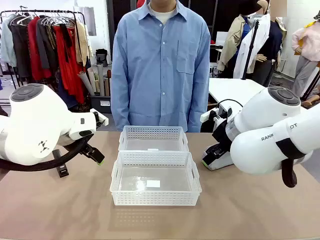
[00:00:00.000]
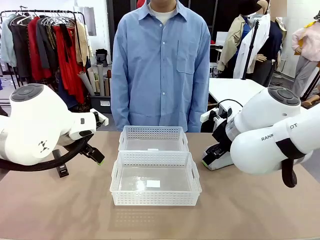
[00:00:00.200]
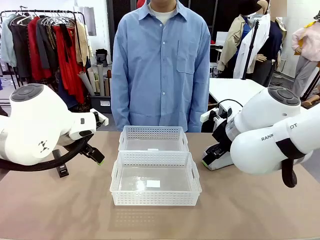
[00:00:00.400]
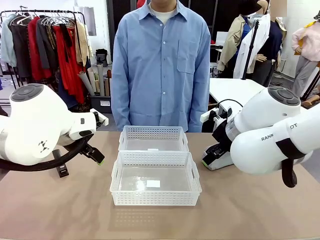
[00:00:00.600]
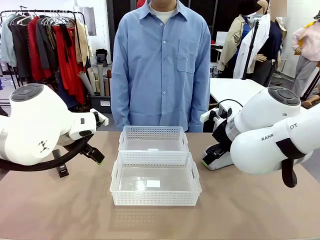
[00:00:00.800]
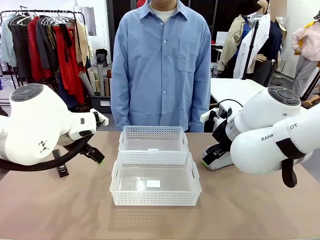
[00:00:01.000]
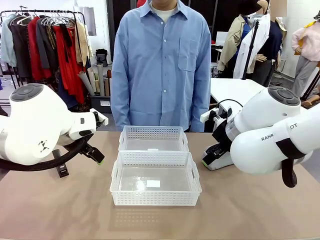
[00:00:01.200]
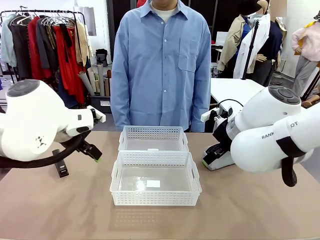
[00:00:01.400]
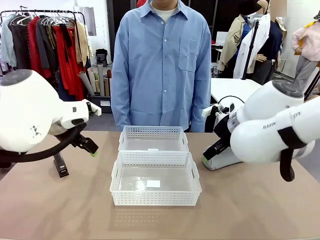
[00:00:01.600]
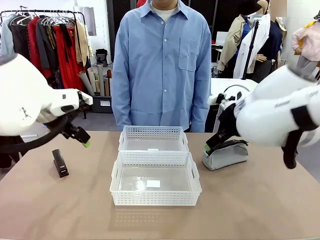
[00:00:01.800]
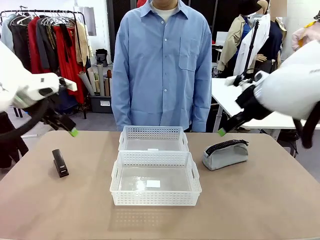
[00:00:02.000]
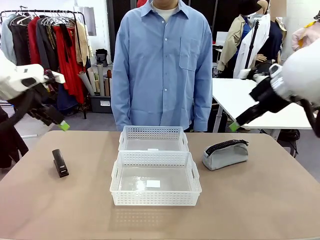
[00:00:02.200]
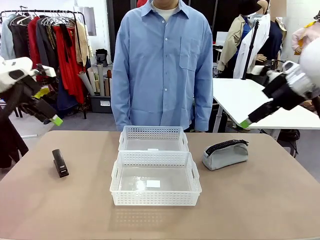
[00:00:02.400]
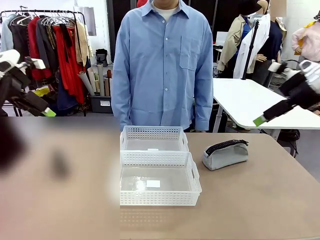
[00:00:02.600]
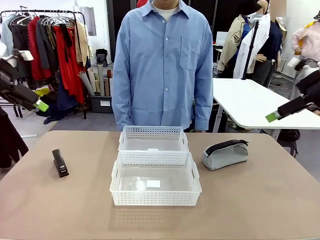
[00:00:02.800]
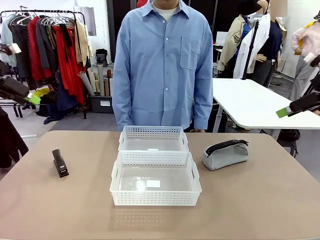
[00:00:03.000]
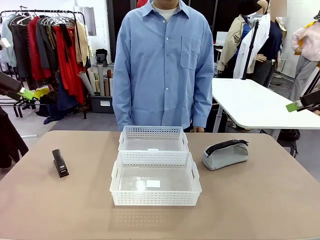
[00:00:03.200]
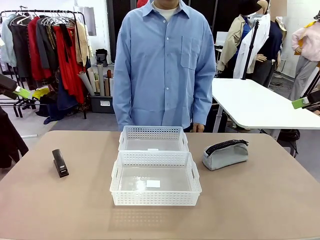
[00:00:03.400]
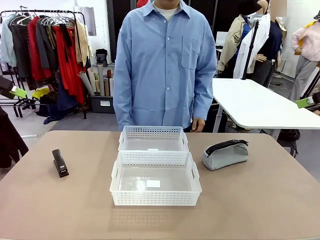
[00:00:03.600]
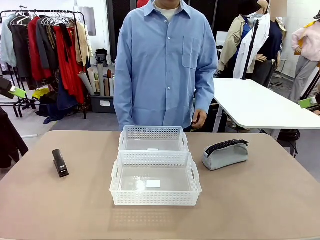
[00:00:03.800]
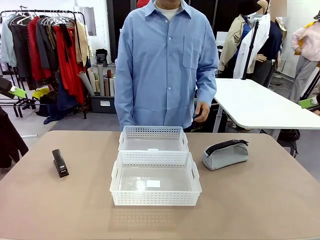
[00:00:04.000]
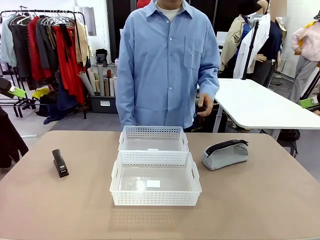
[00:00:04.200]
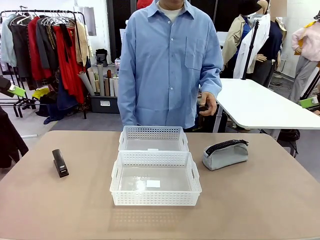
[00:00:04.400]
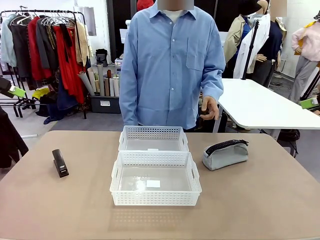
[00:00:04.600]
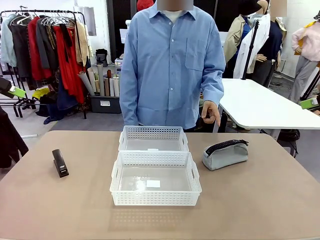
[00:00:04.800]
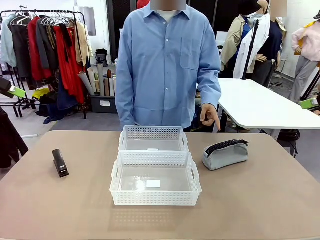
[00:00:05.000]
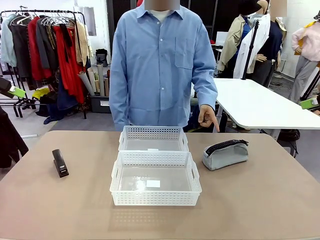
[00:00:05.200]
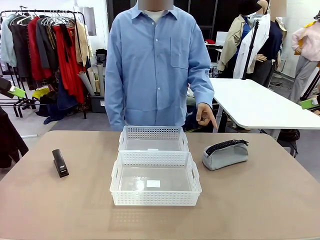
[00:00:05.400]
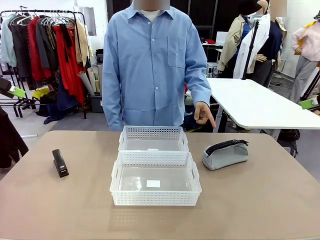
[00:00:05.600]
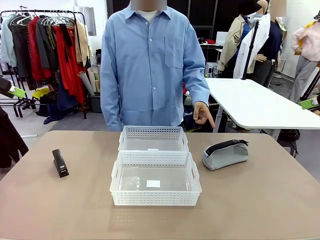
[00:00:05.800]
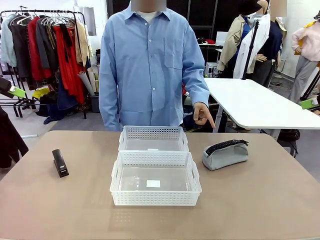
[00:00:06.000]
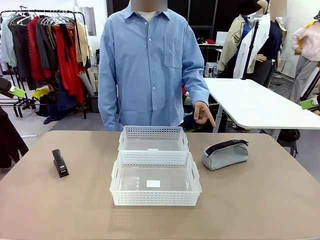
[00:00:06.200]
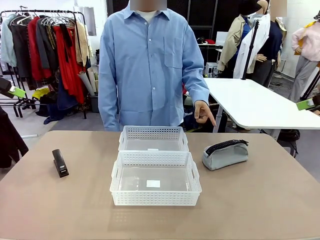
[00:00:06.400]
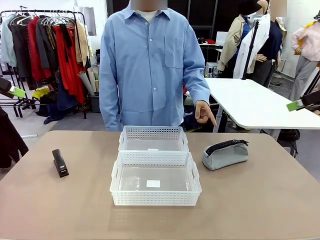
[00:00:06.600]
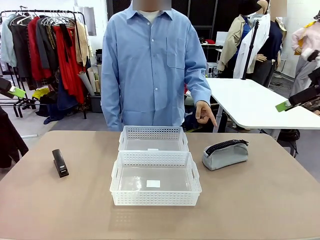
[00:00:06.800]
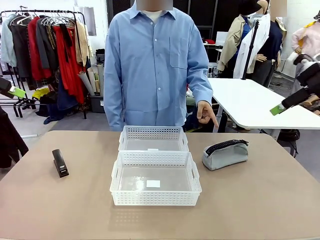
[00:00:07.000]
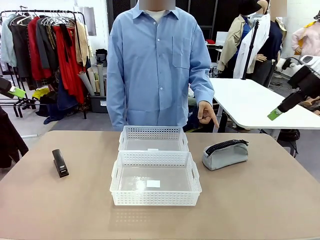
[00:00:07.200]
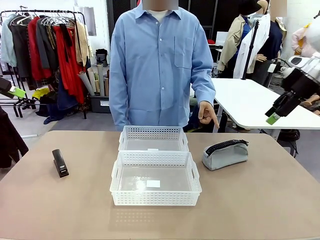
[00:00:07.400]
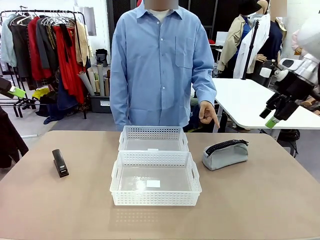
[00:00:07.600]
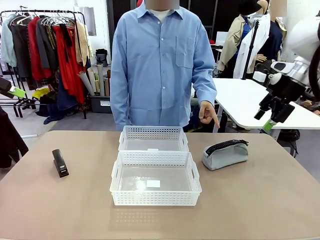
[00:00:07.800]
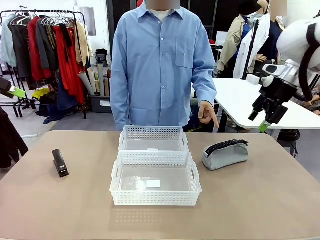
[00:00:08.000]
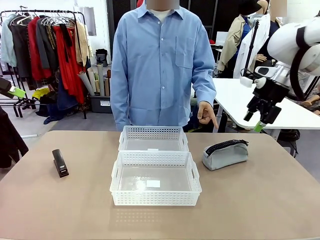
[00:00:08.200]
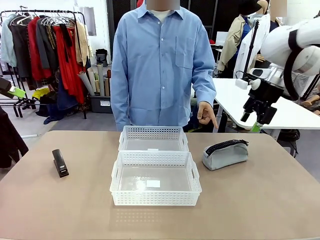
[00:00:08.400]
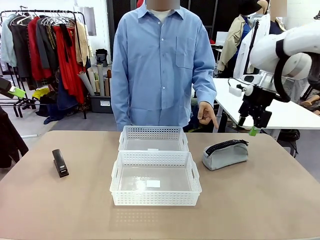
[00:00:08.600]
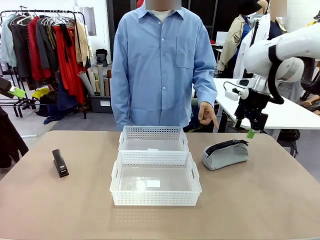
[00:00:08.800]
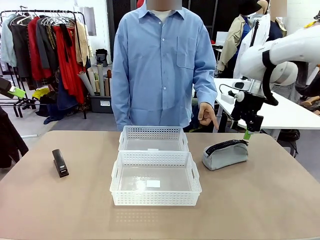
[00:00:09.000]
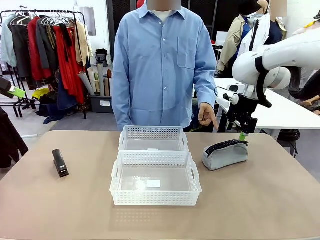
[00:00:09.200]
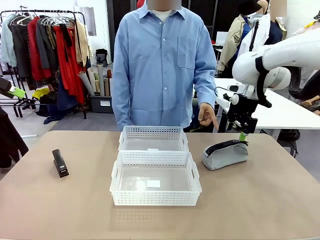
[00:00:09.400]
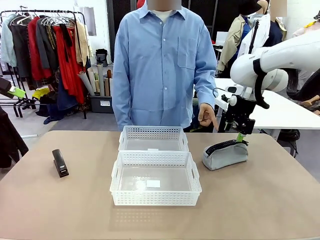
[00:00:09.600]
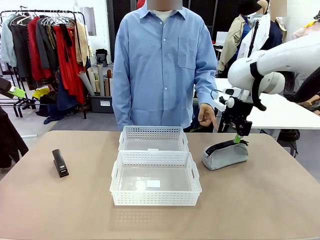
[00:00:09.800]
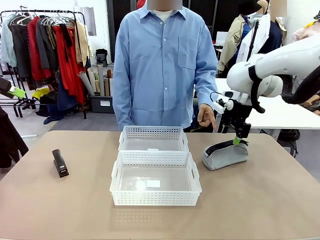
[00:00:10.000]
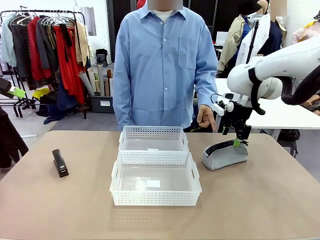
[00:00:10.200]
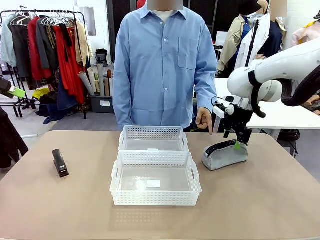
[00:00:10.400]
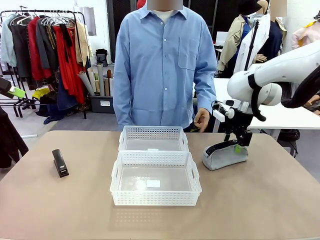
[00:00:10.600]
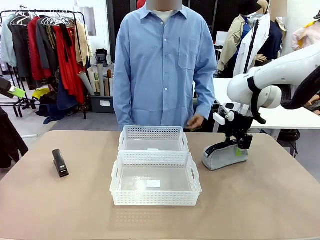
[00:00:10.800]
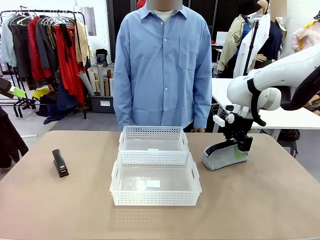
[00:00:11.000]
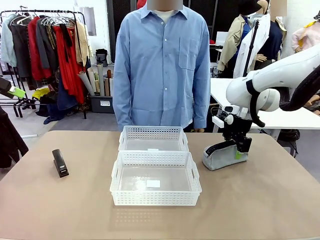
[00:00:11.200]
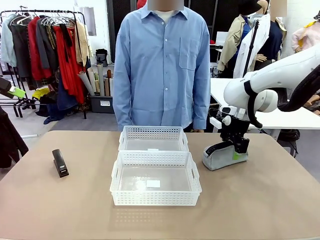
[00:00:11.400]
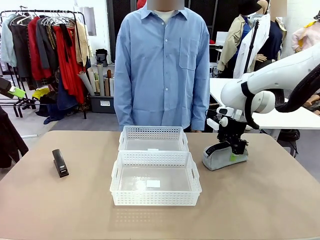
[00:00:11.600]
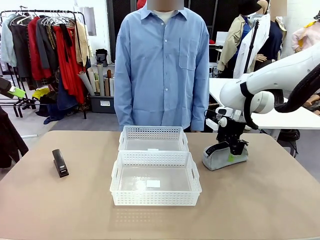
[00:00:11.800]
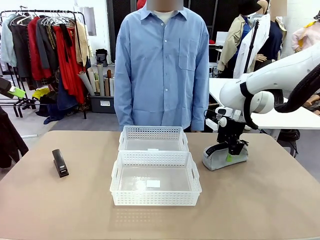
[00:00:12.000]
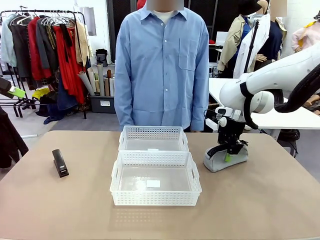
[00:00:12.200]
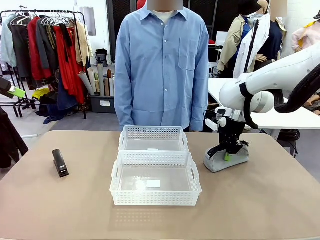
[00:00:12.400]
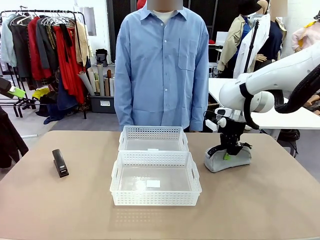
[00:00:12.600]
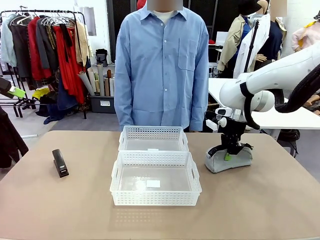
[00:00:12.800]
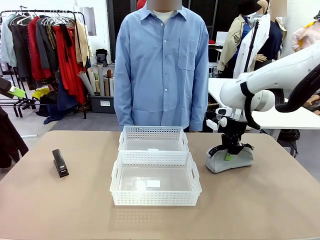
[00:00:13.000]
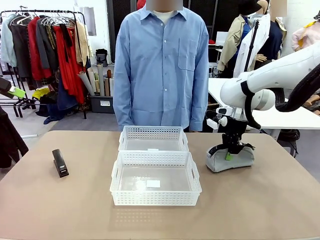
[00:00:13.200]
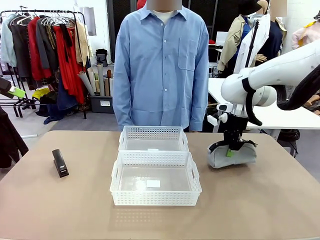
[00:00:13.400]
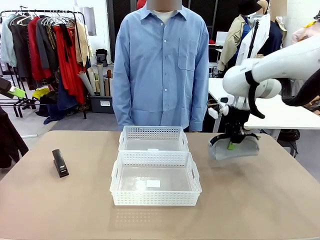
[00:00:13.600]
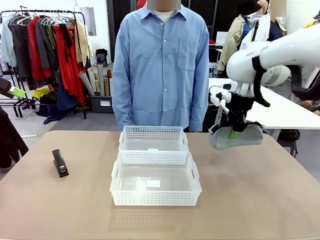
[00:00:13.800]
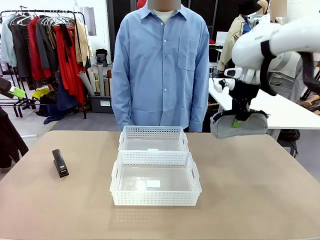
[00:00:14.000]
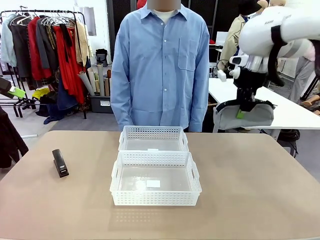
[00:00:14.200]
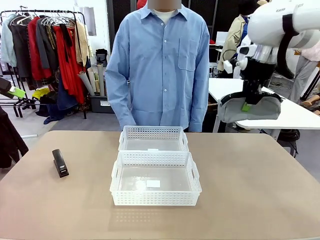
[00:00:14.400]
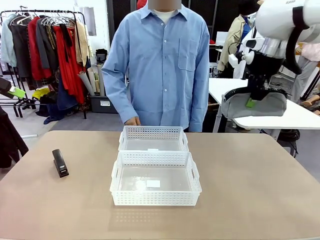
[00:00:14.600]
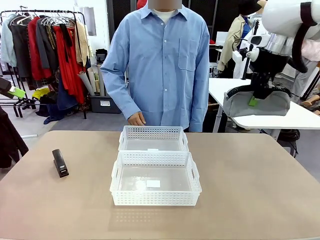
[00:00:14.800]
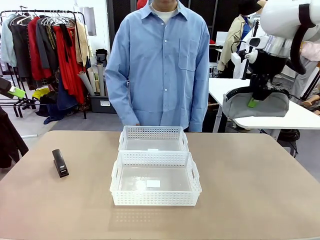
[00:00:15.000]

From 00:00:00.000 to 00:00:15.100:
Task: Distribute items into two baskets.
Robot: Pick up the Pencil pouch that the person points to.
Person: Points to the pencil case. Points between the two organizing baskets and instructs the robot to move the pencil case.

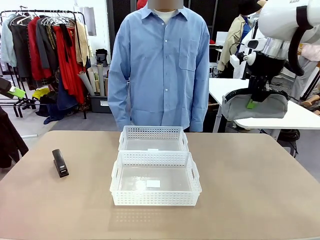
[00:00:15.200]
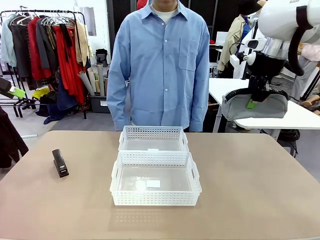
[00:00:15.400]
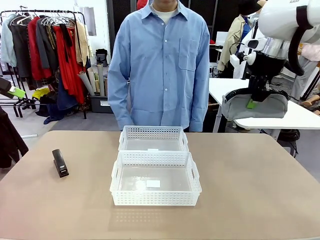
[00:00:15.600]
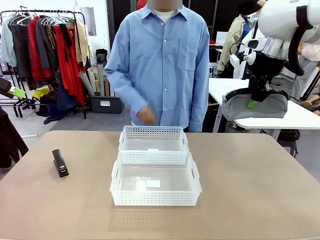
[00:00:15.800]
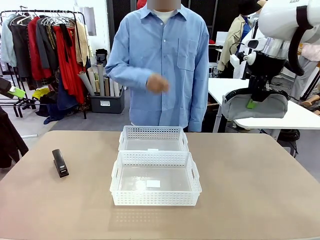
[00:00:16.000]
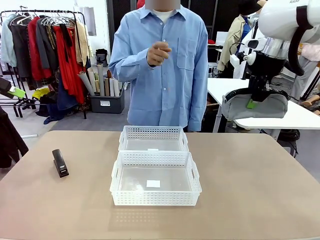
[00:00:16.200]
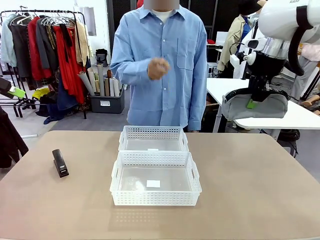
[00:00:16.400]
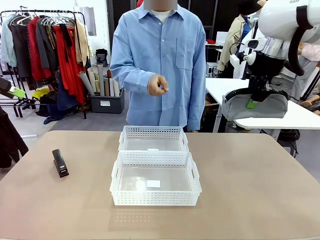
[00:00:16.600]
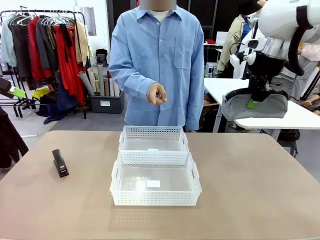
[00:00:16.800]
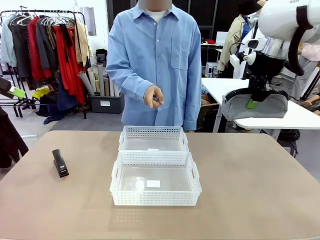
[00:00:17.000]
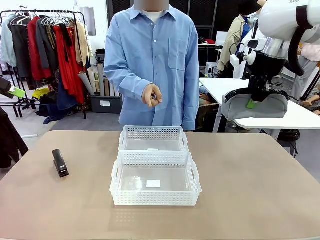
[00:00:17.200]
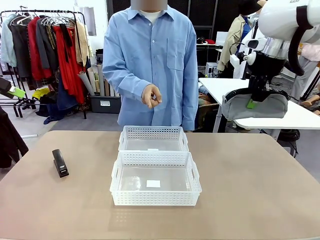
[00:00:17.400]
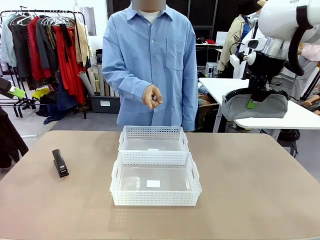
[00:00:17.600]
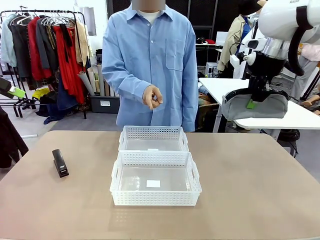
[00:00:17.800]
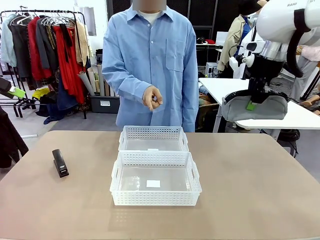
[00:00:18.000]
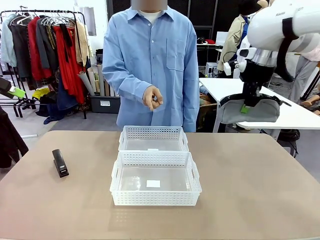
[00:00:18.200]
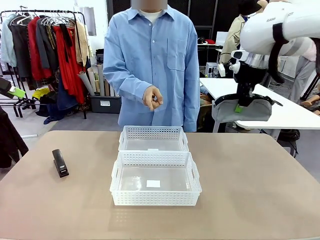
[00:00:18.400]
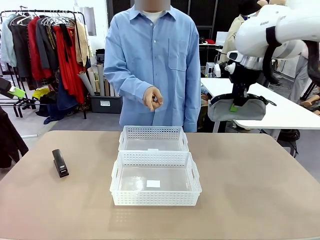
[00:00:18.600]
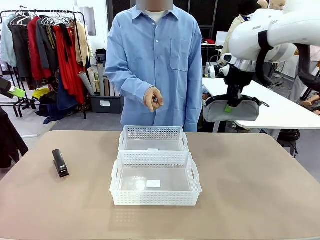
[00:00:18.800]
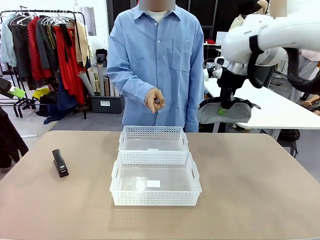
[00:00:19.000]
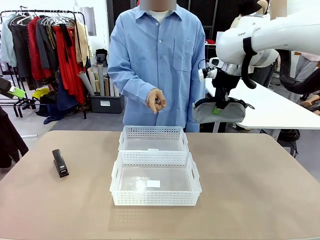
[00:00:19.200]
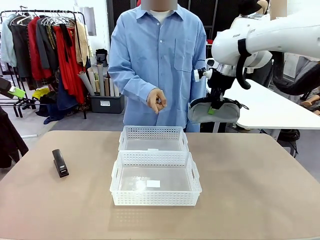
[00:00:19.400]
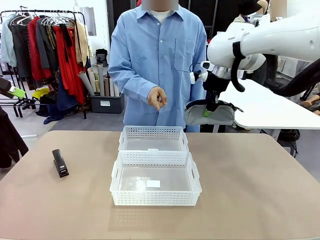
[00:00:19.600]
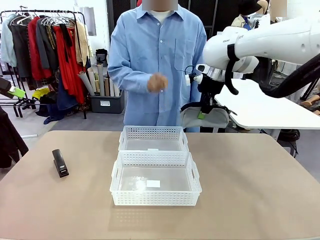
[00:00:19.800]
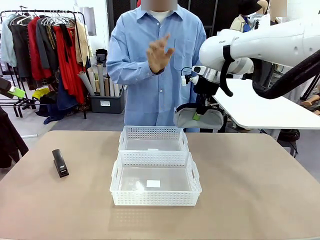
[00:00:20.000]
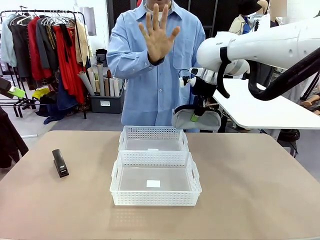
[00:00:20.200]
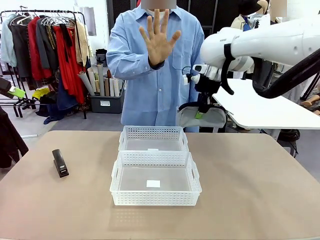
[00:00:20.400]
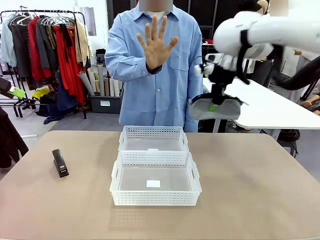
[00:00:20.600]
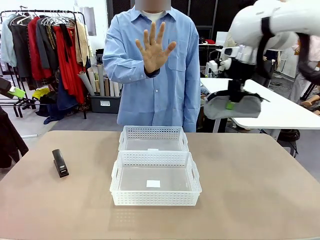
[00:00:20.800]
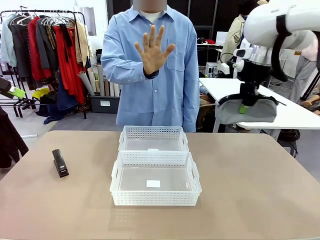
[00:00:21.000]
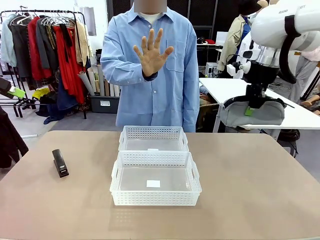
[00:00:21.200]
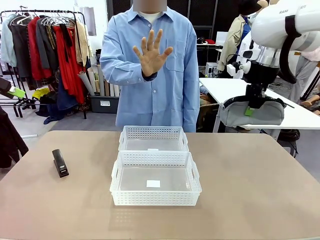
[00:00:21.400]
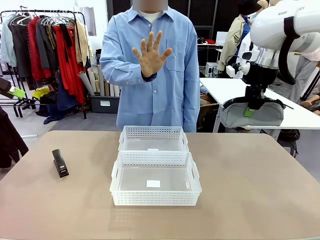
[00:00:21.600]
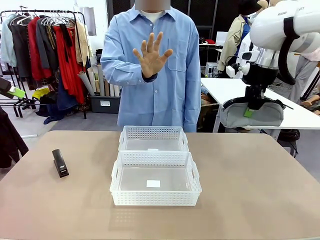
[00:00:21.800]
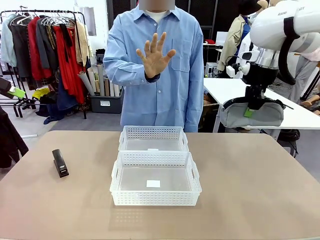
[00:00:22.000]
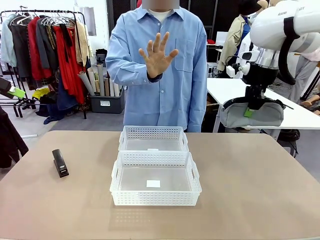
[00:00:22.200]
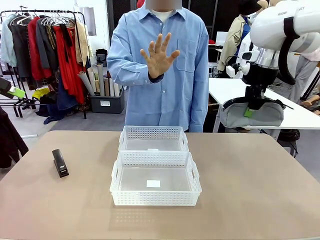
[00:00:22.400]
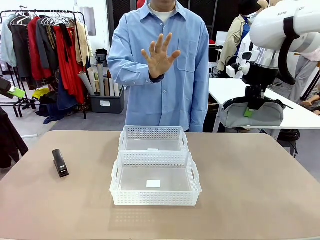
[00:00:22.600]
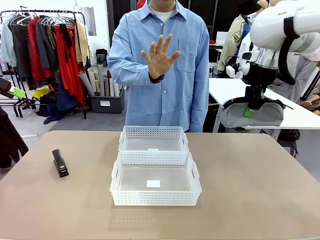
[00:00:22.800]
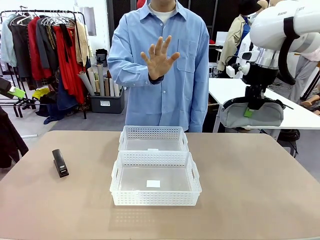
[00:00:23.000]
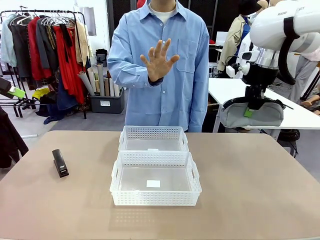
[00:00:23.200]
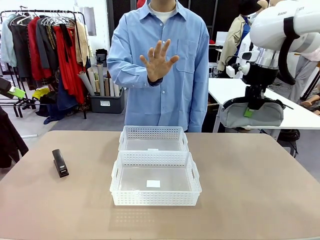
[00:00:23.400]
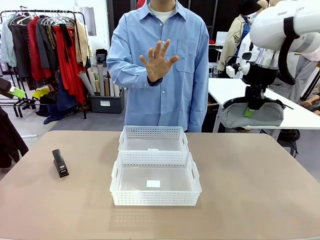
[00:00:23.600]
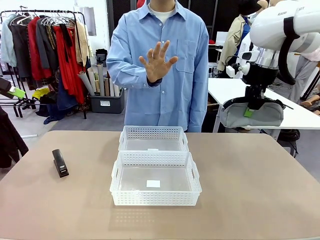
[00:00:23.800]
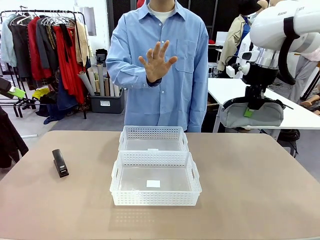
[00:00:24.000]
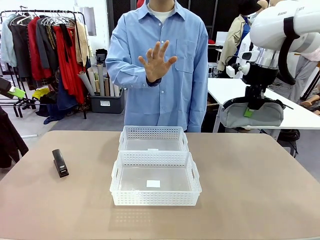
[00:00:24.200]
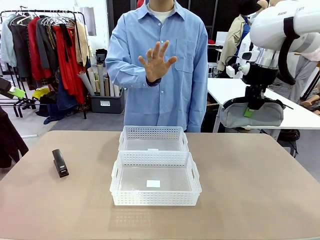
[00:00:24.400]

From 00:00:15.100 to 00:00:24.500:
Robot: Move the picked Pencil pouch towards the Organizing basket indicated by the person, stopping as directed.
Person: Sends a stop gesture before the robot places the pencil case into the basket. Instructs the robot to place the pencil case into the opposite basket.
